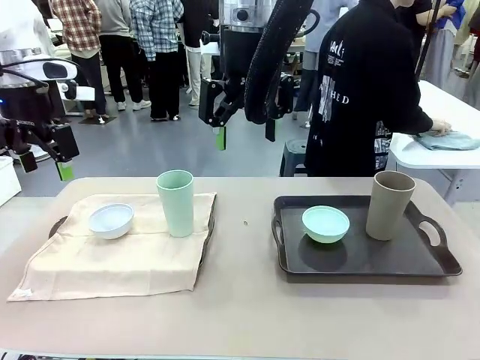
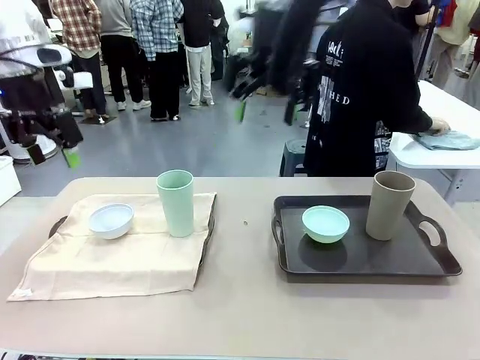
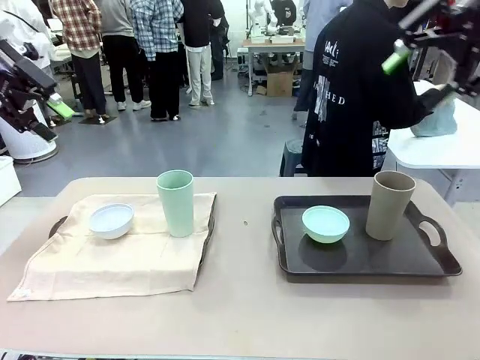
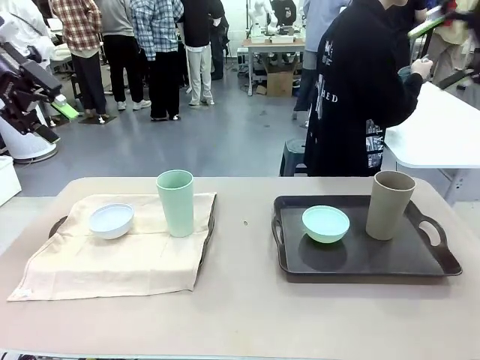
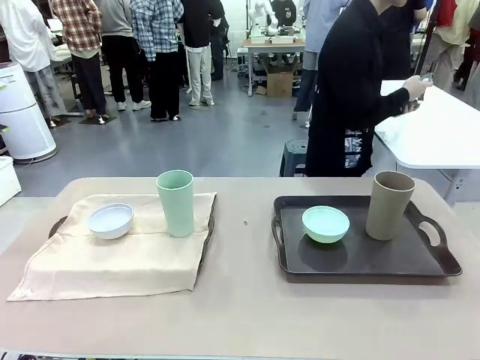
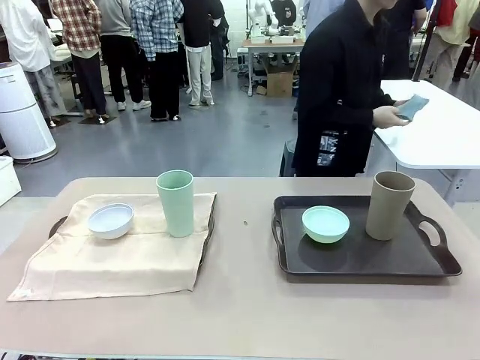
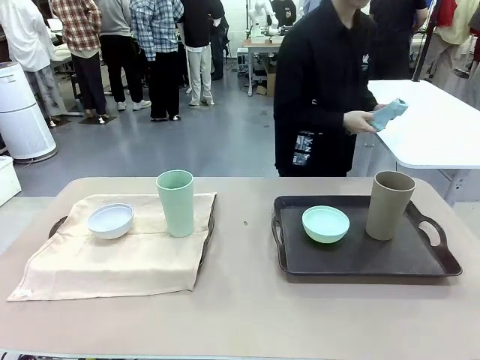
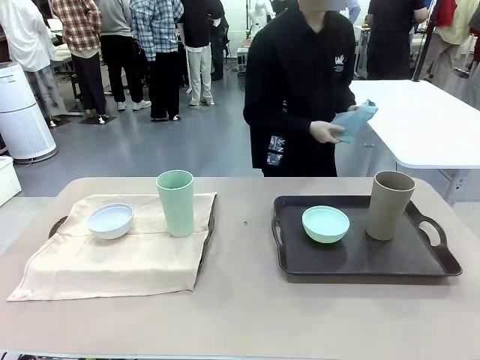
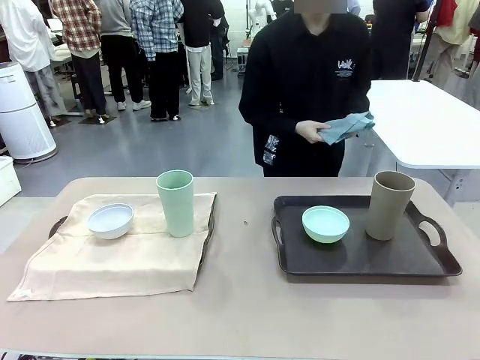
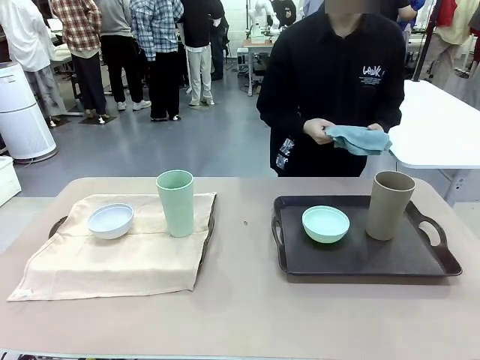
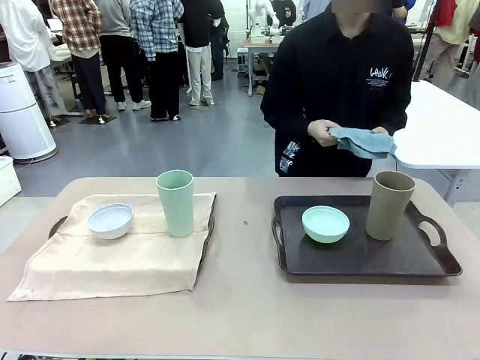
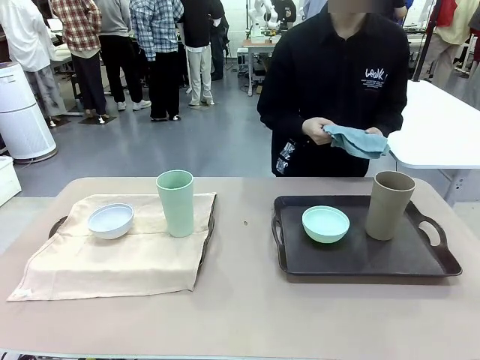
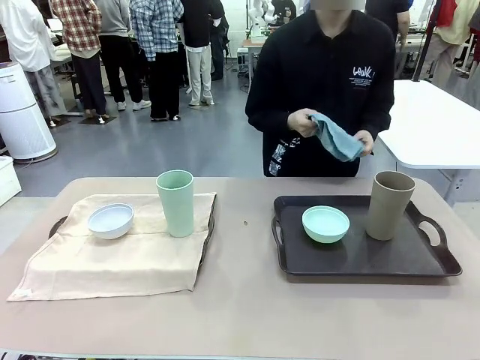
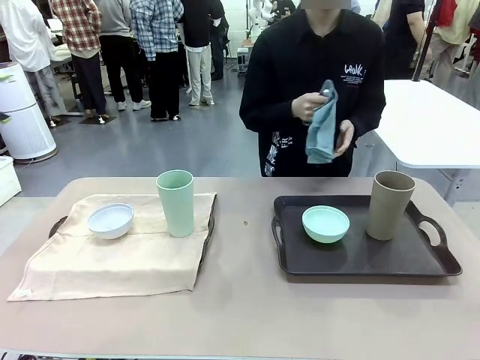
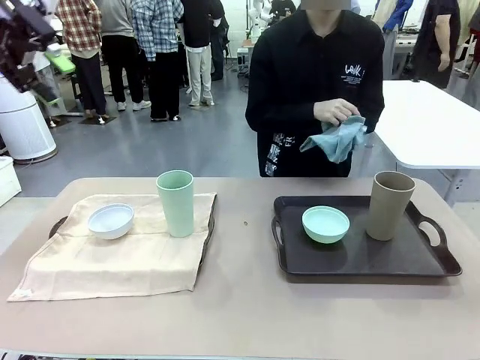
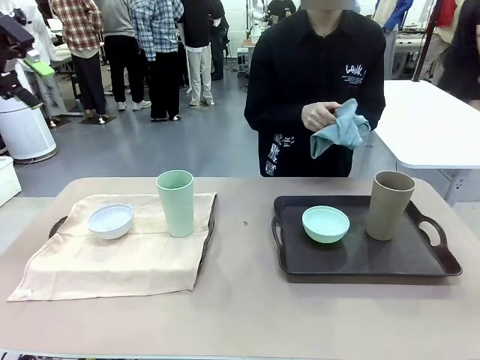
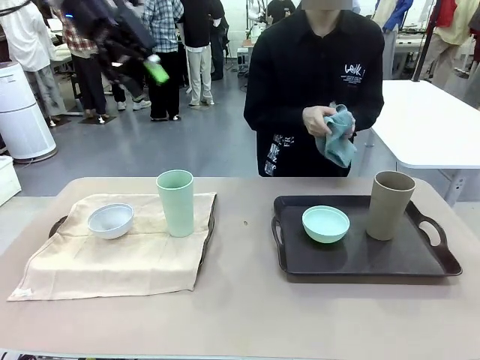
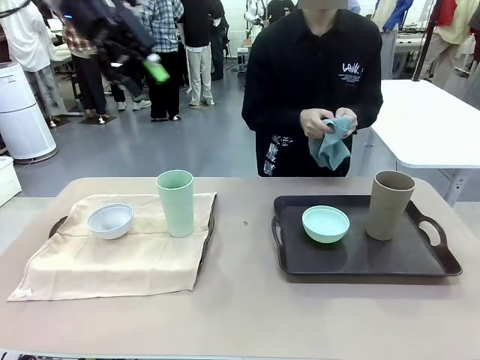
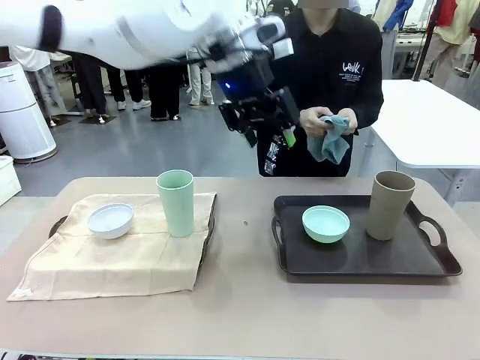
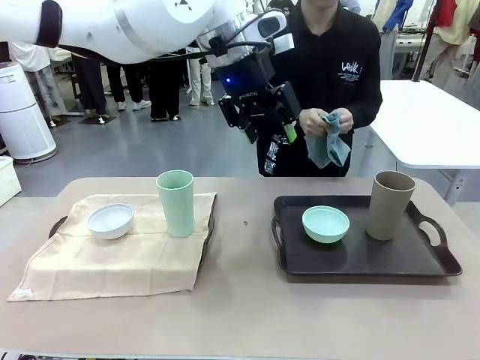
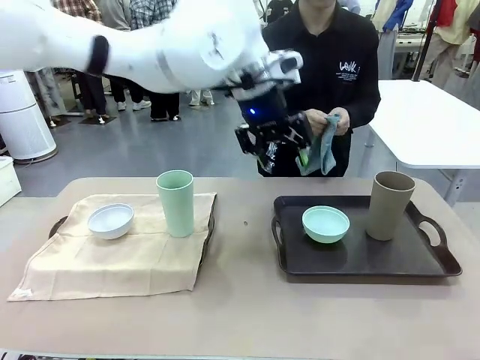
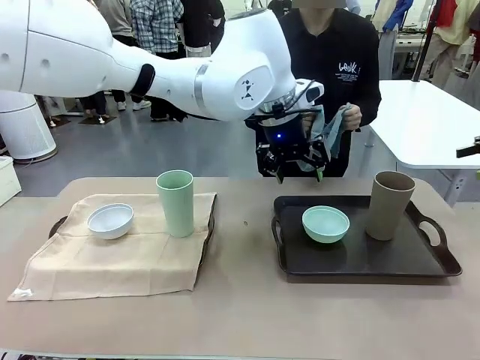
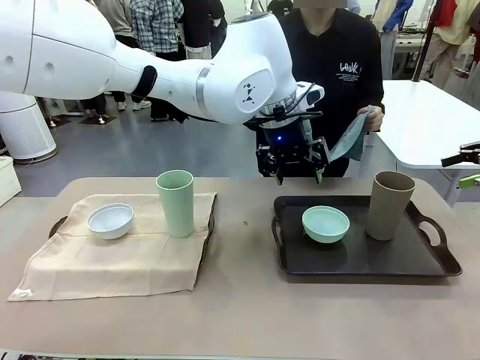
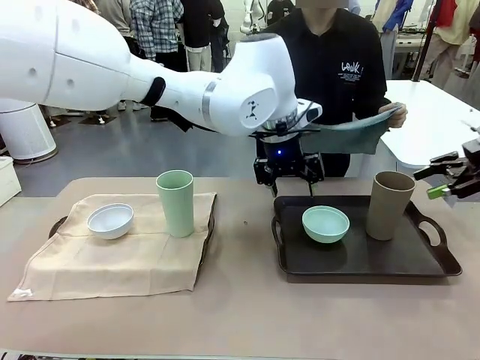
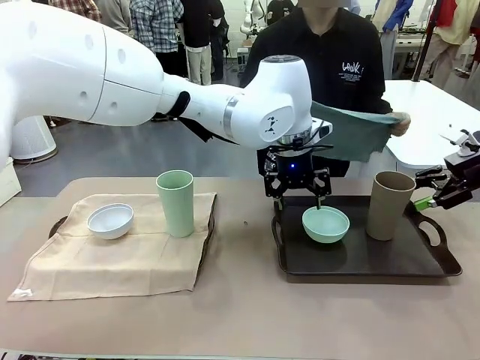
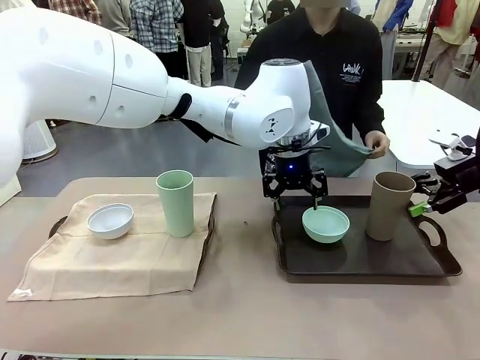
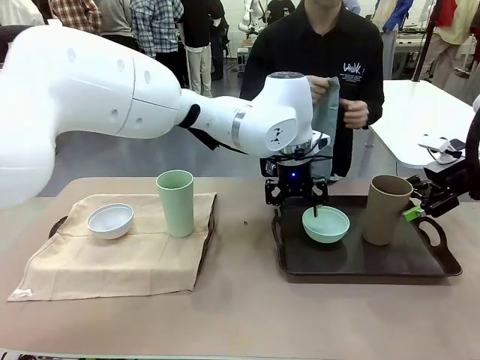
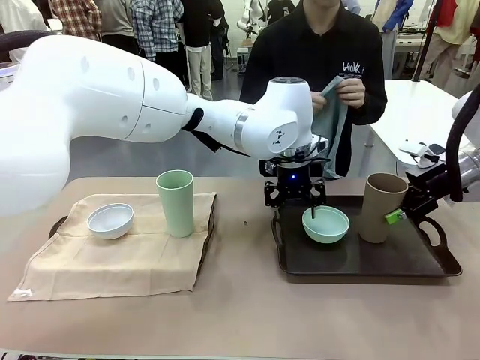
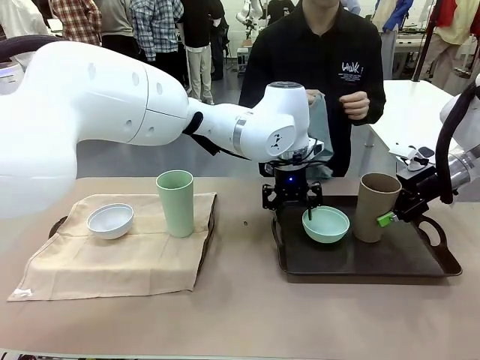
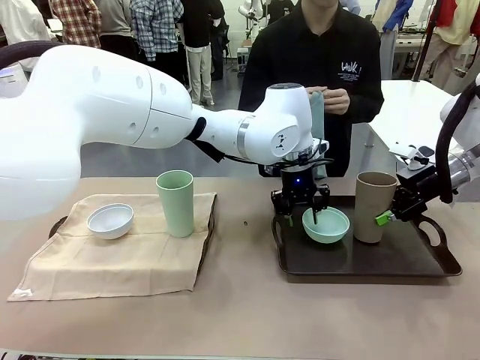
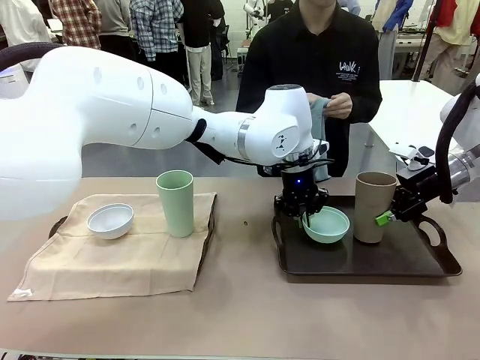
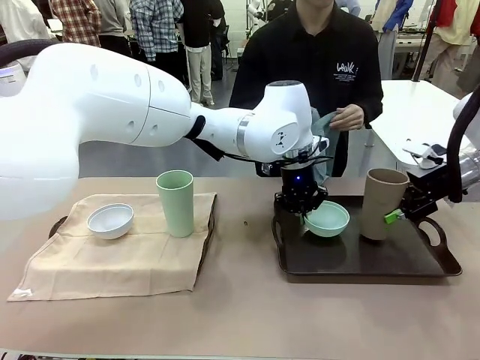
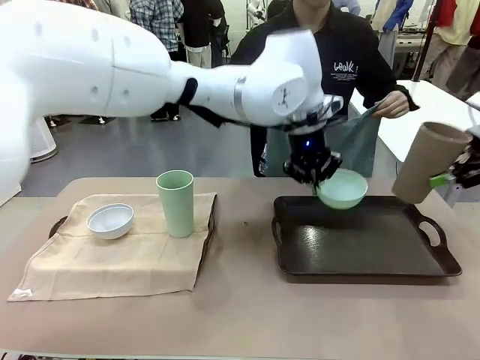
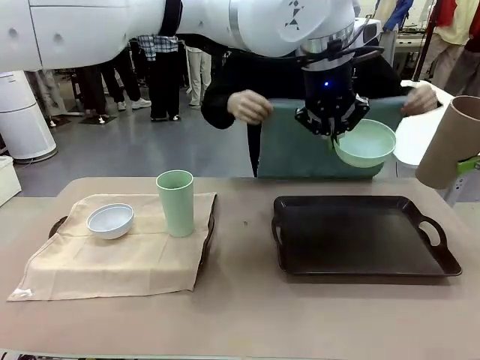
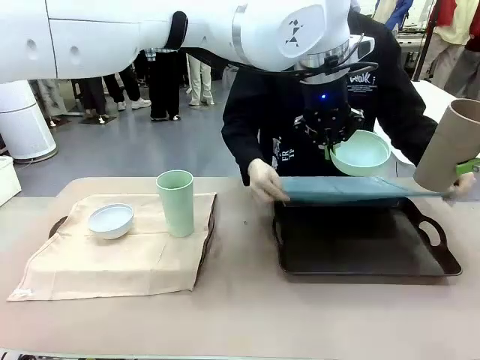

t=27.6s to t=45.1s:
Robot: Pick up the Picnic Bowl and Reusable plastic cup from the Handle tray in front of the human's position and hold them in the air.
Person: The human returns to the human table to pick up another napkin and walks to the robot table to stand in front of the tray without a napkin. When the robot lifts the bowl and the cup, the human unfolds the napkin and lays the napkin flat on the tray.

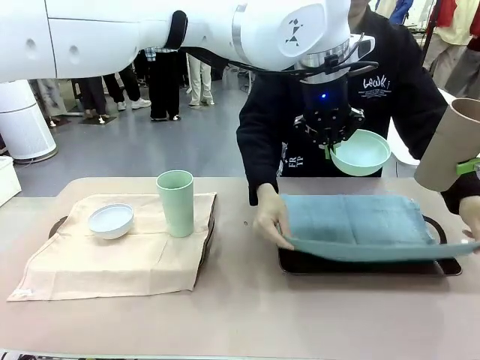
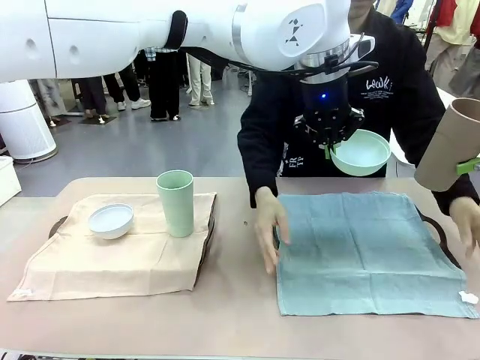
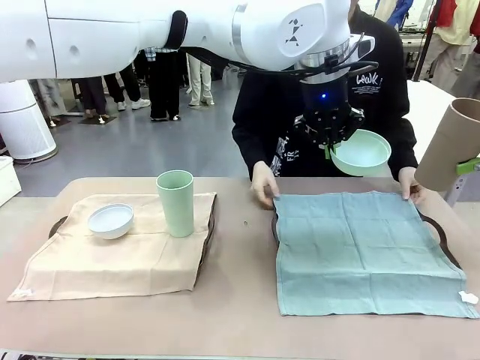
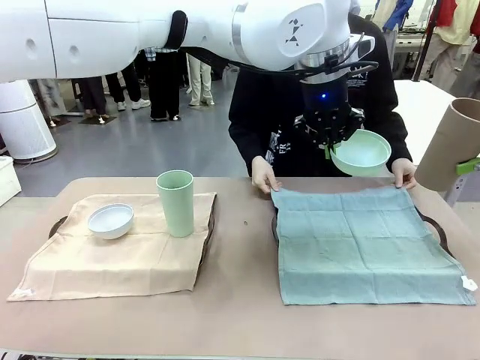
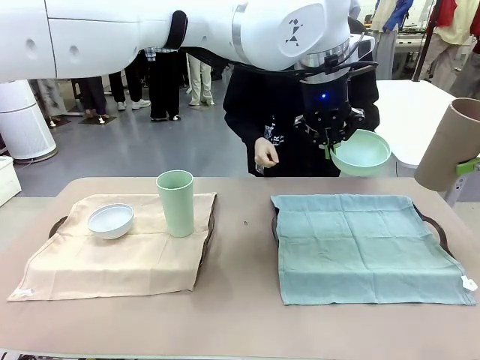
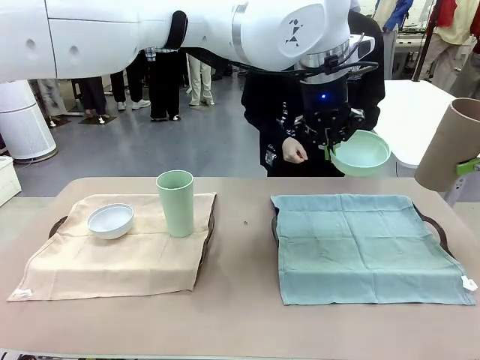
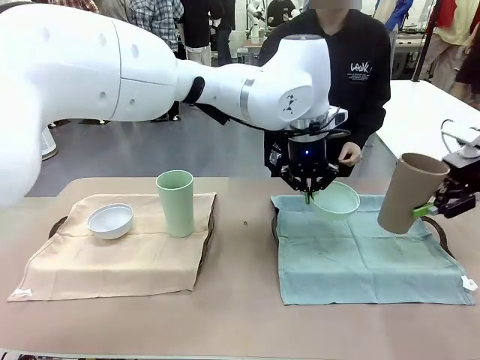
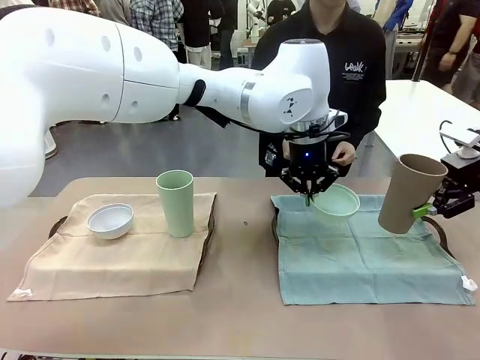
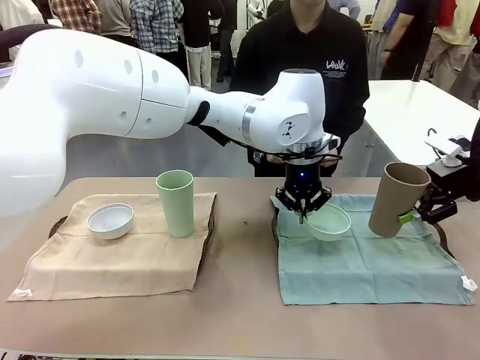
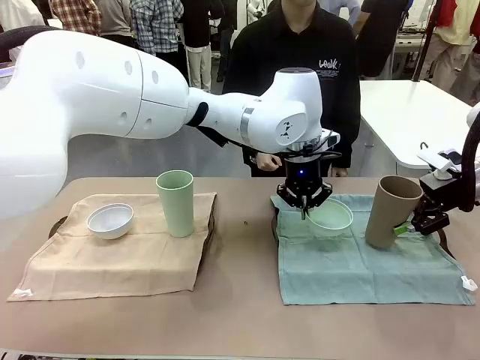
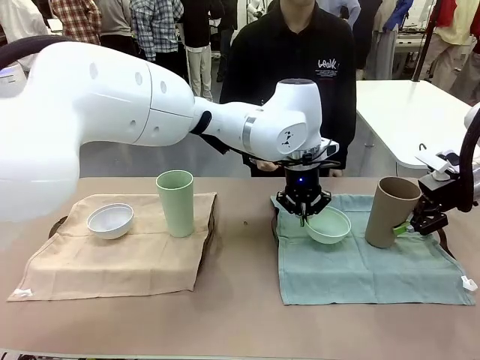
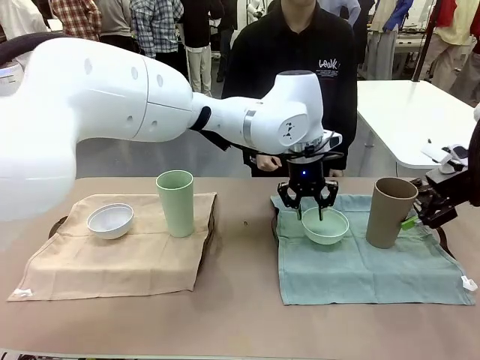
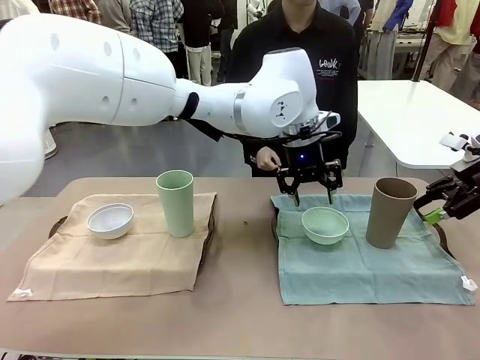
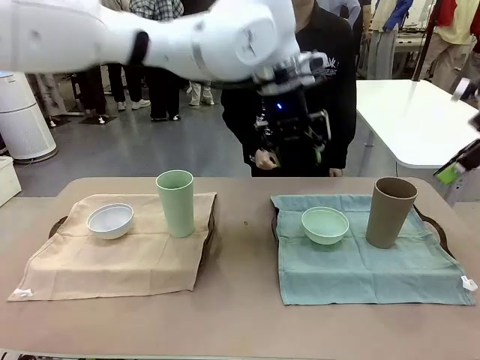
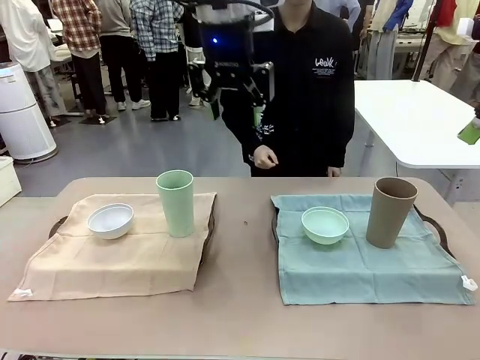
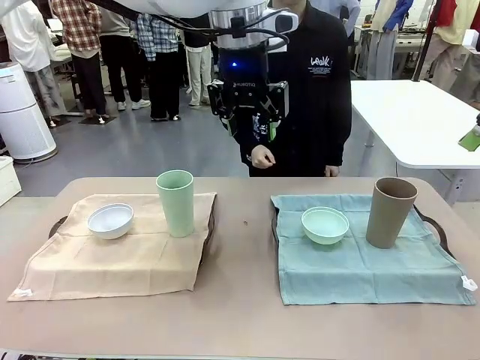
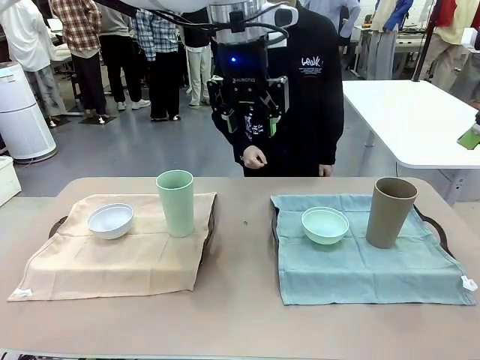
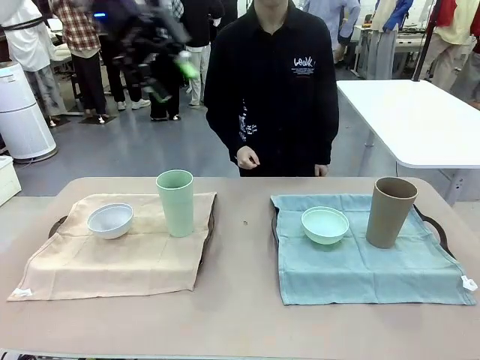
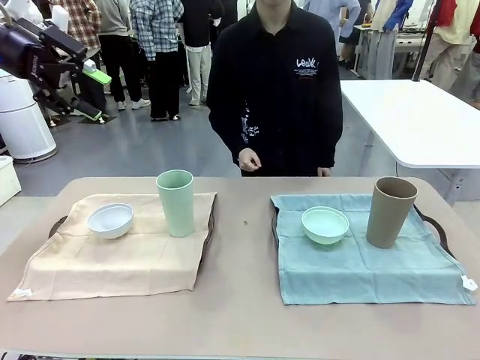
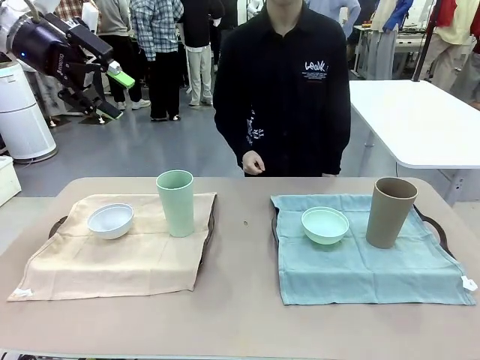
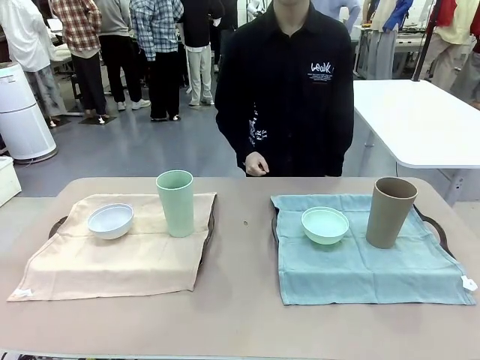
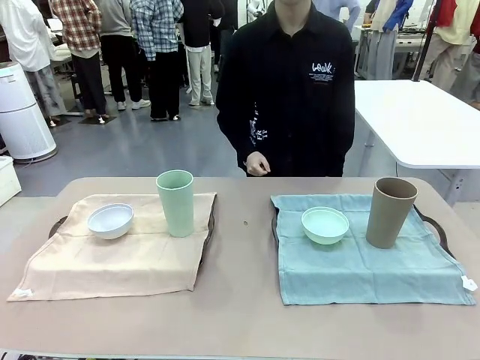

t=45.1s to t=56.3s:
Robot: Place the Picnic Bowl and Reusable plastic cup back onto the Handle tray in front of the human's position.
